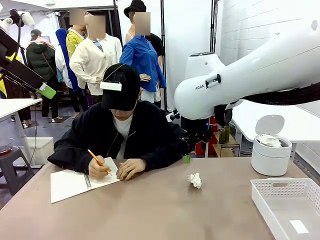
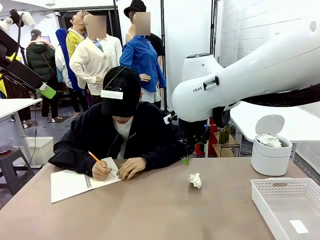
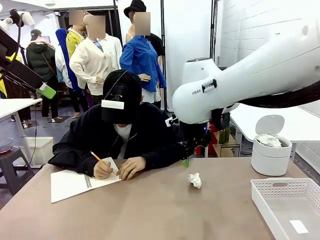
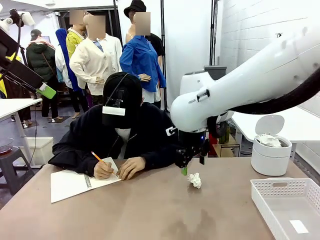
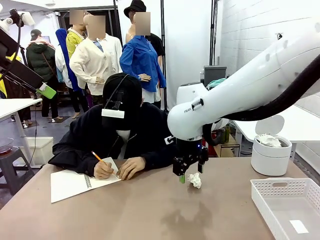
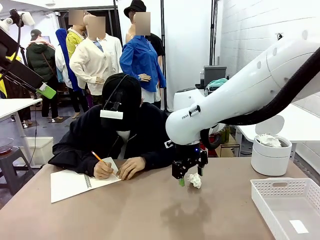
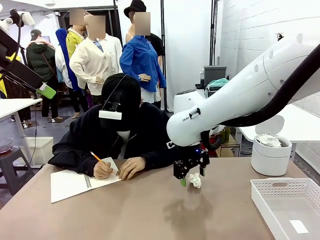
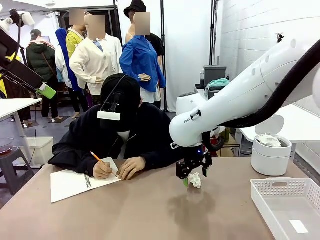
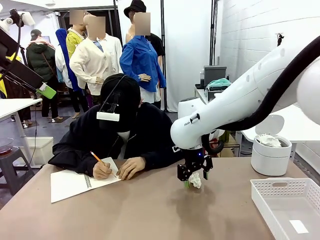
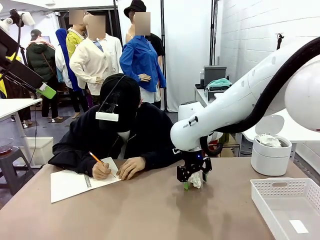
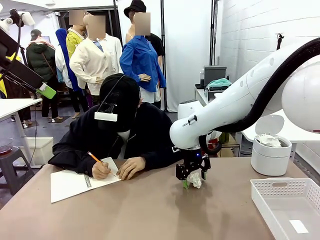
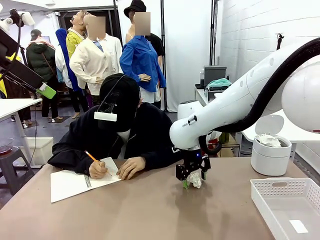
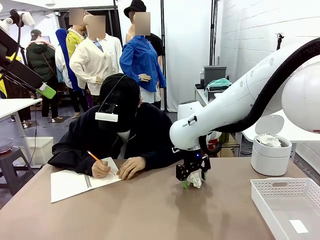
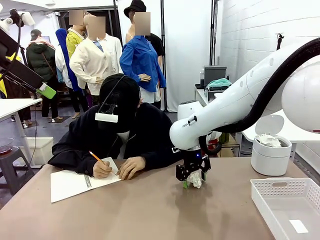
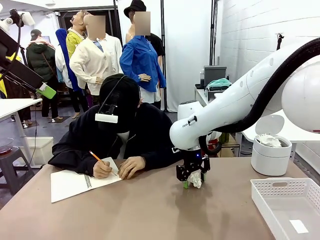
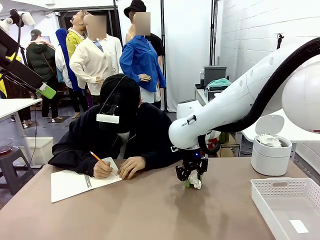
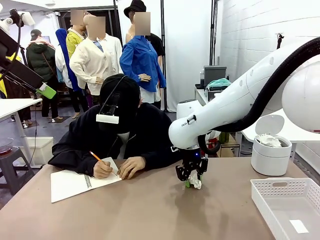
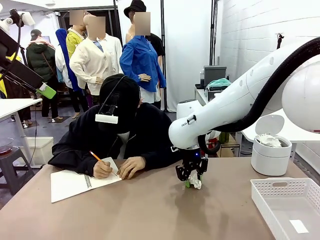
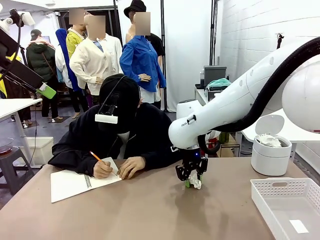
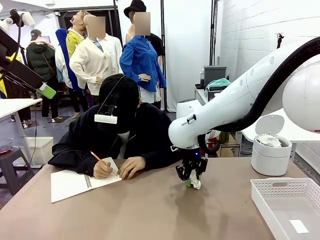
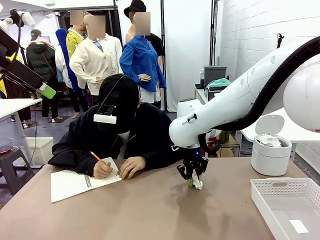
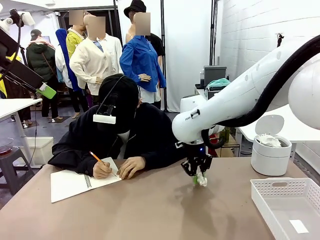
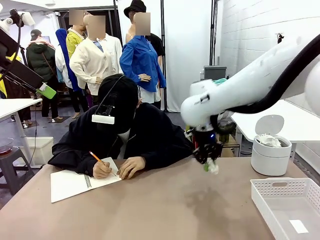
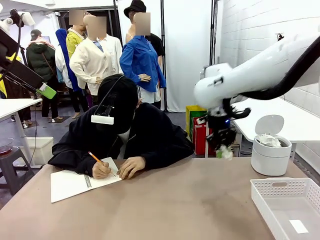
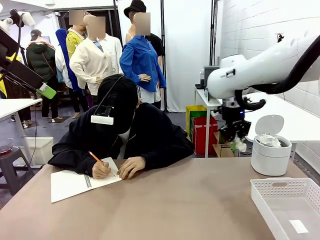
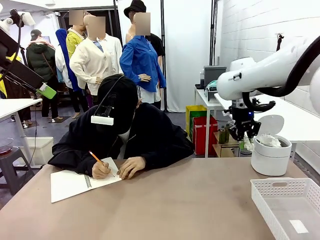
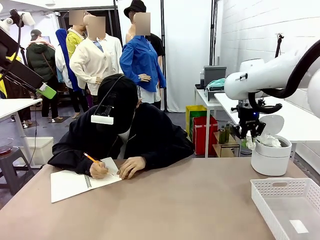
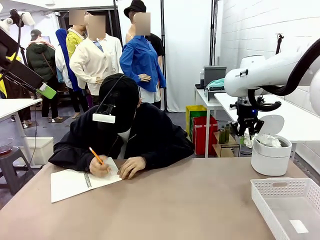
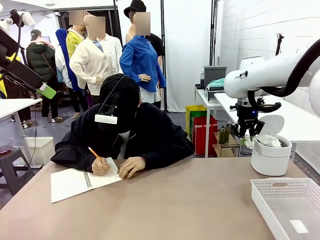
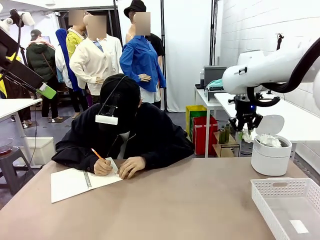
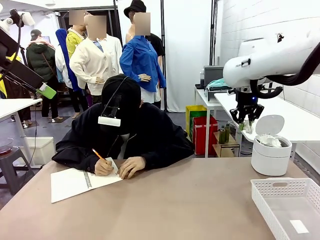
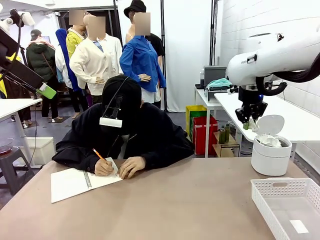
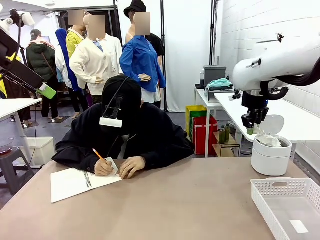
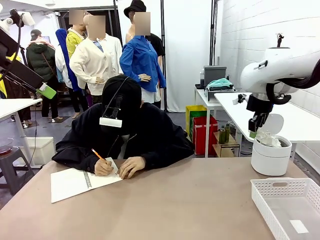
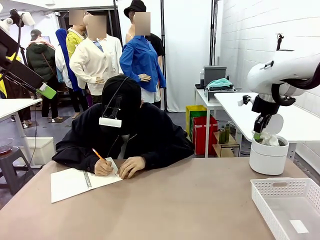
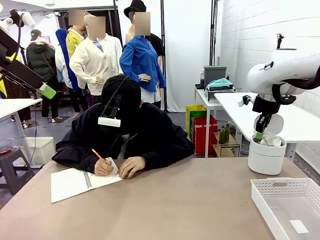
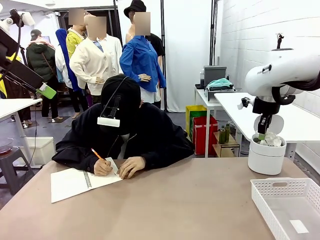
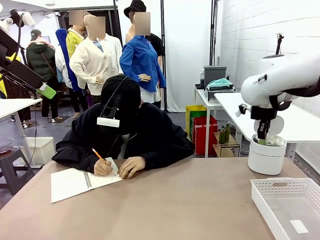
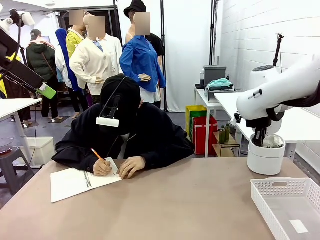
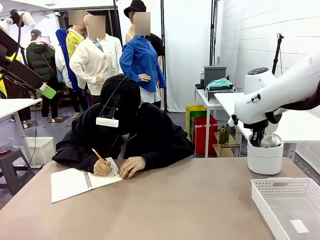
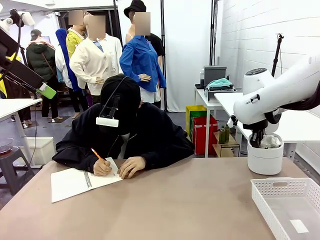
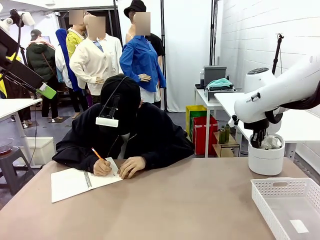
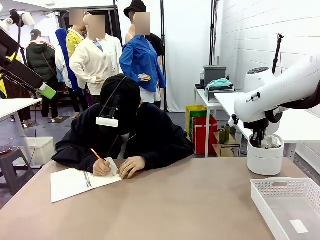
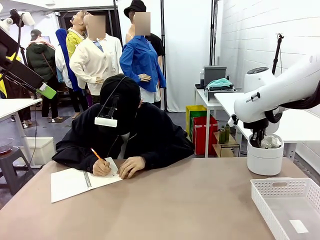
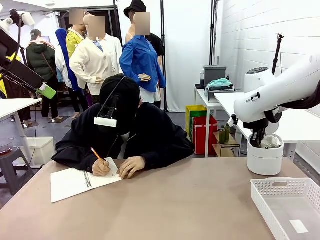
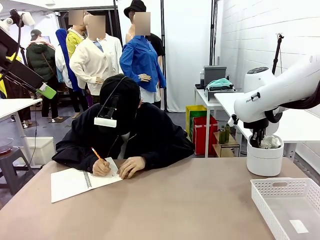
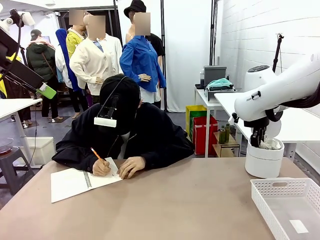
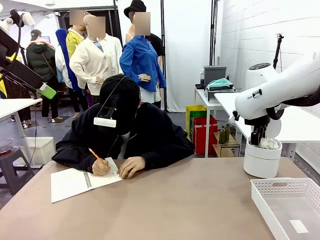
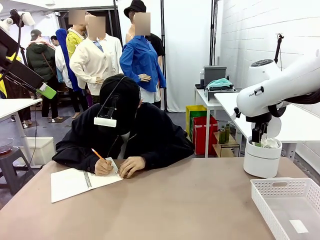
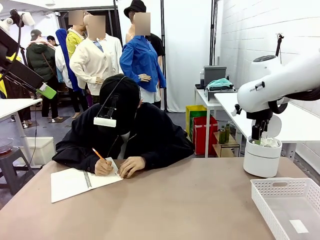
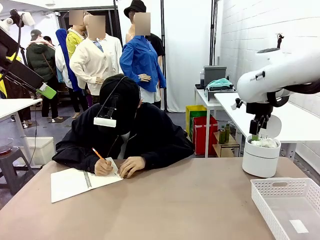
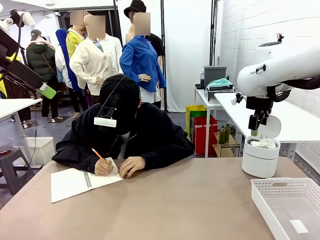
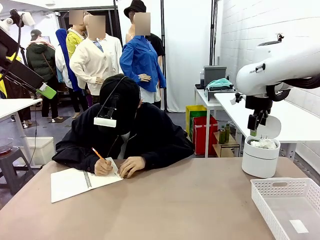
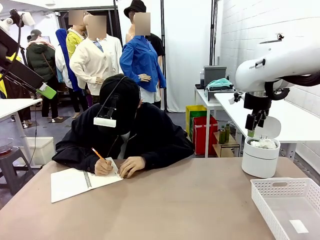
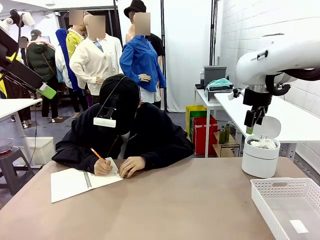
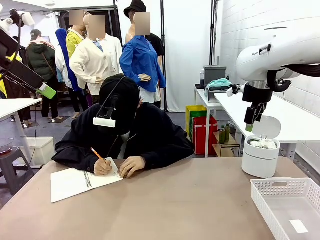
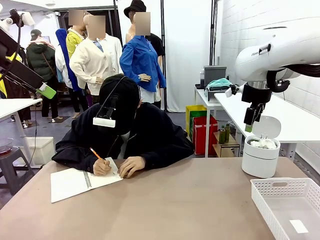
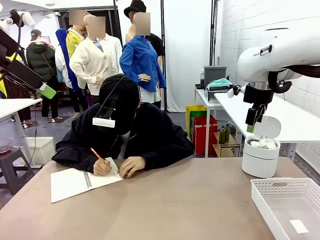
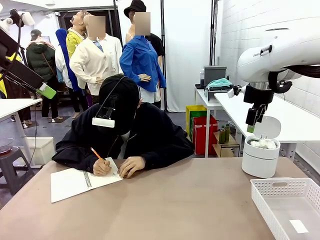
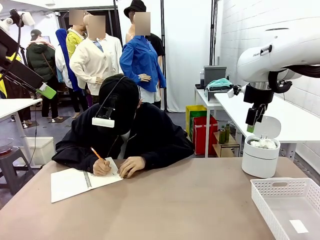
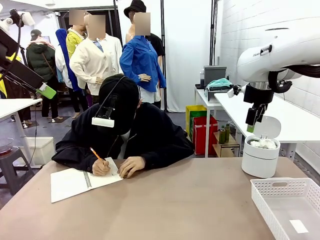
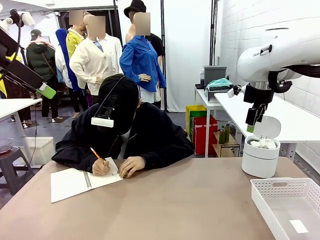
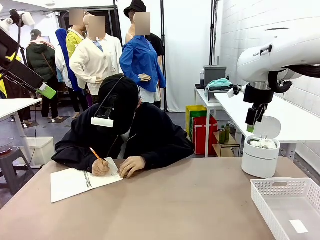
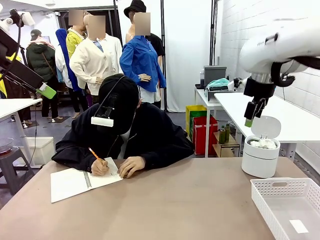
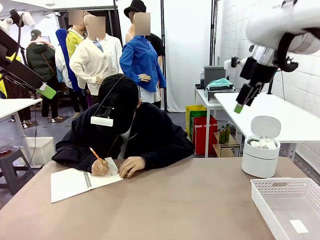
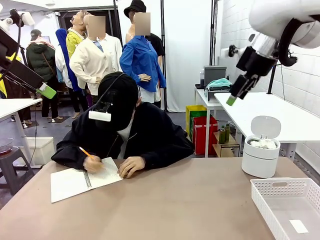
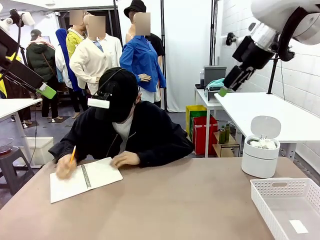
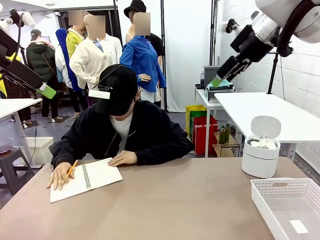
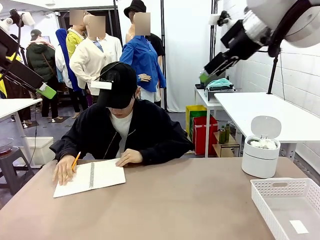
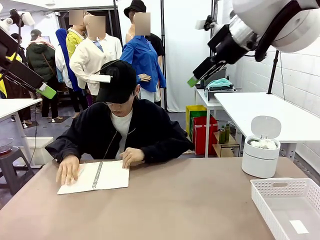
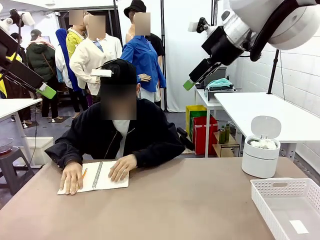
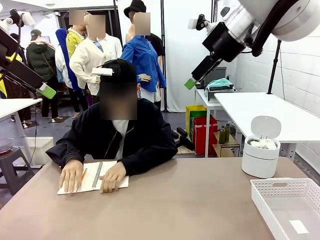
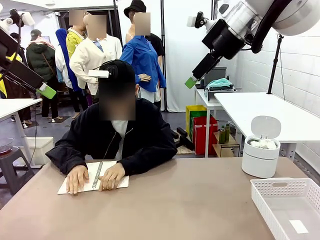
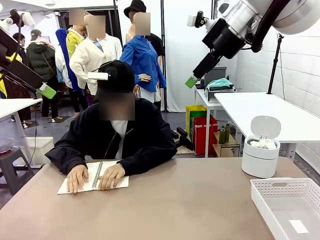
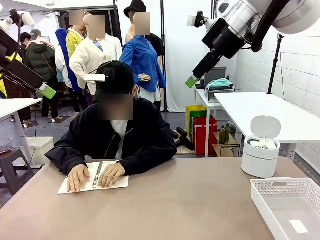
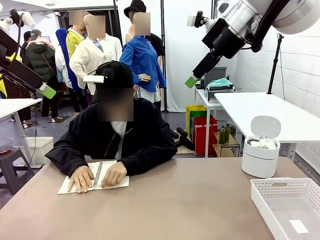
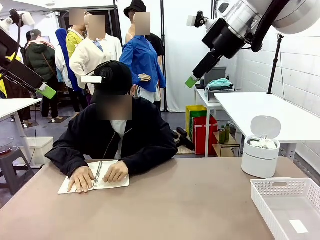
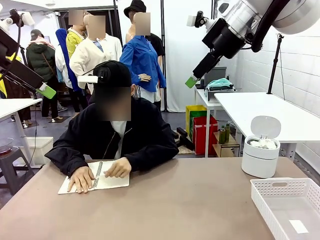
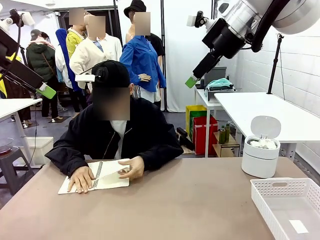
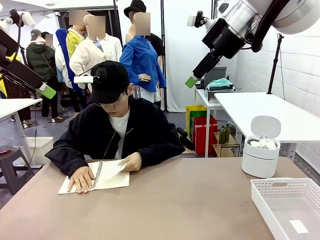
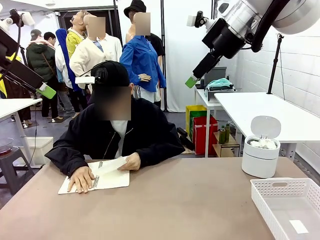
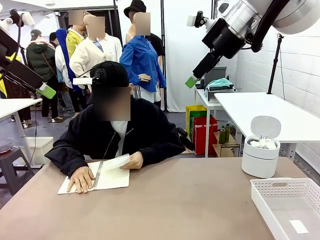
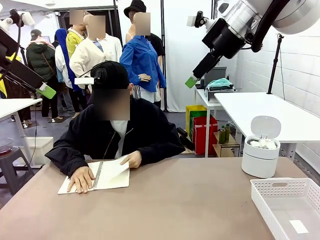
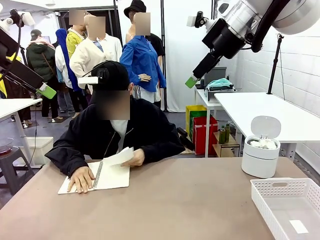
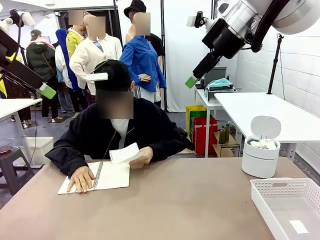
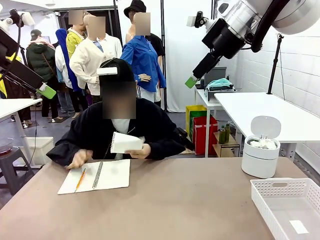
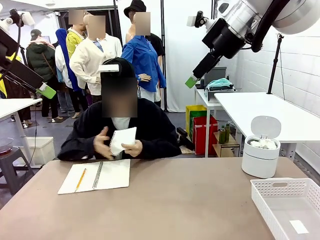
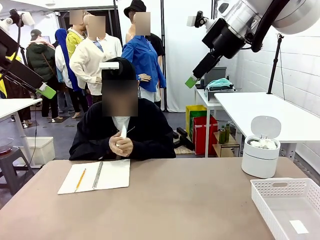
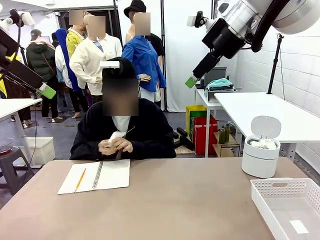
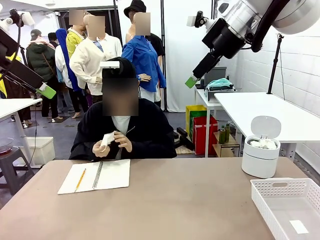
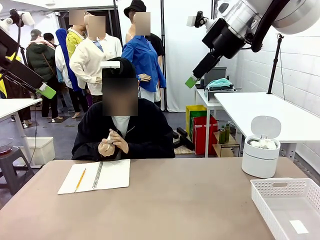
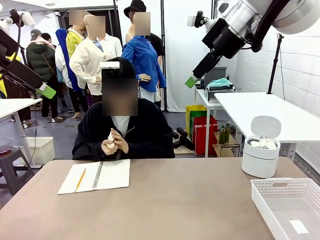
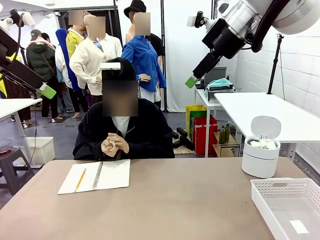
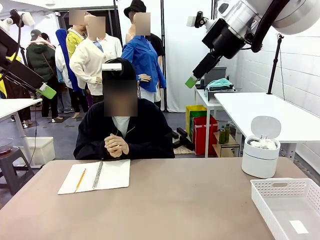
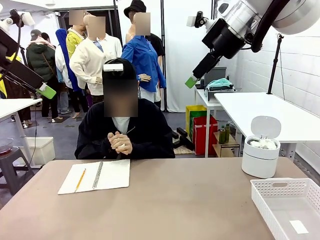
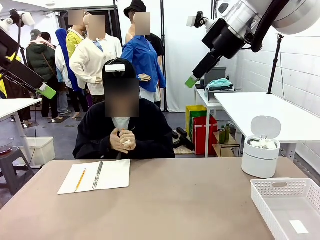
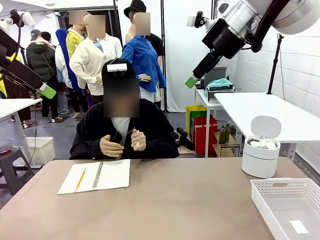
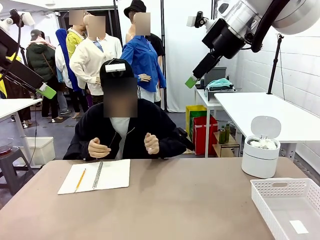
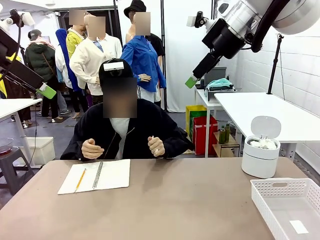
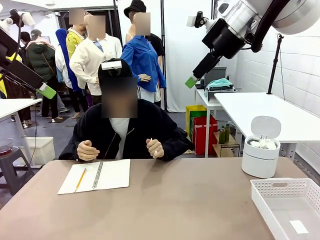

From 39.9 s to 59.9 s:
Task: Sort the paper based on its condition.
Robot: If a person hands you a paper, place it in the Organizing basket , and if it's crumpled, put it in the Trash can.
Person: Tear out a page from the spiral notebook.
